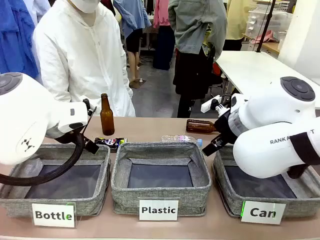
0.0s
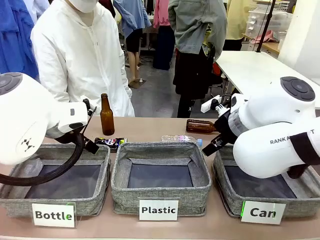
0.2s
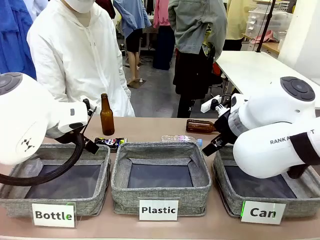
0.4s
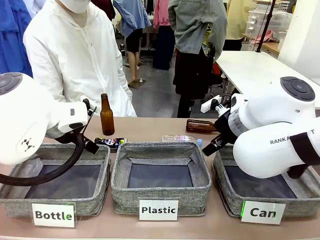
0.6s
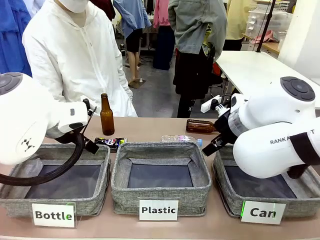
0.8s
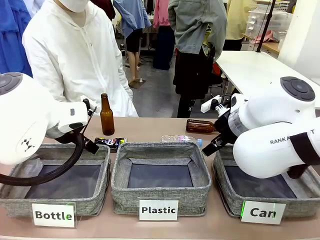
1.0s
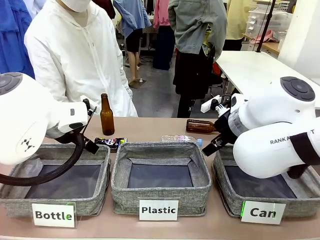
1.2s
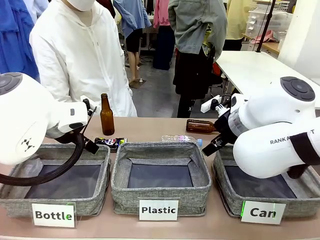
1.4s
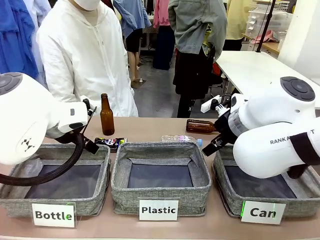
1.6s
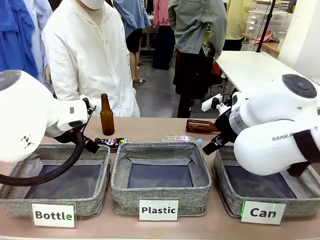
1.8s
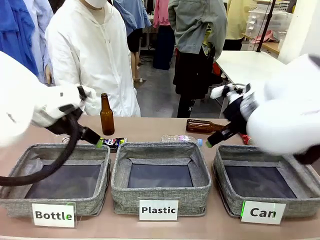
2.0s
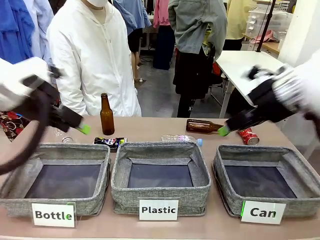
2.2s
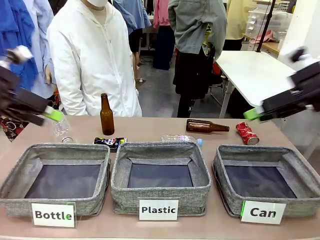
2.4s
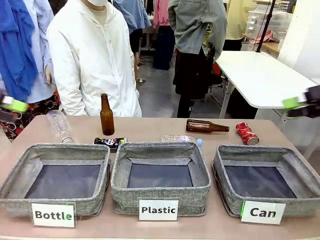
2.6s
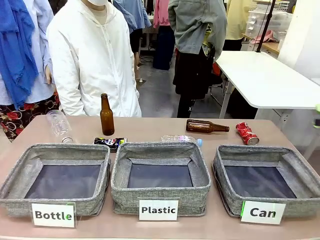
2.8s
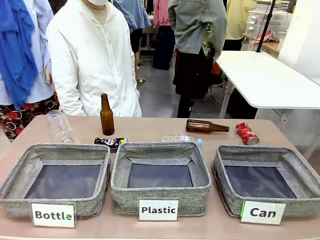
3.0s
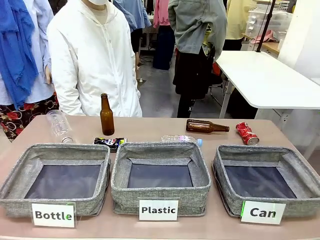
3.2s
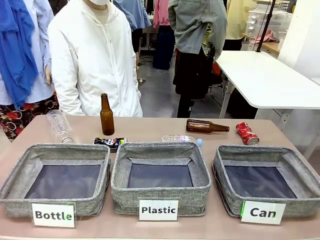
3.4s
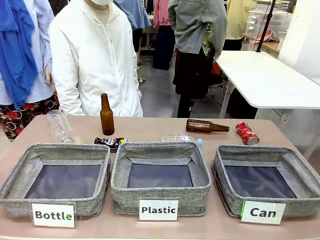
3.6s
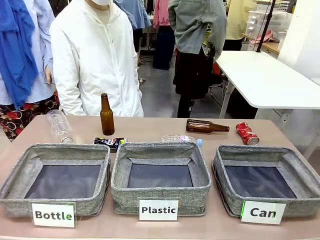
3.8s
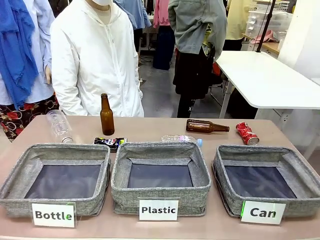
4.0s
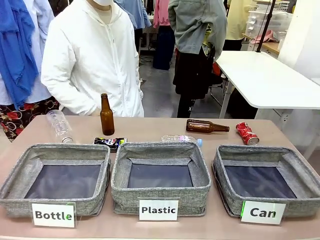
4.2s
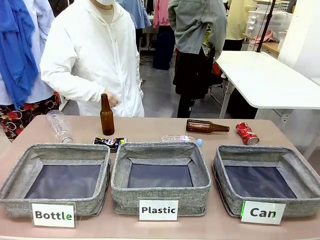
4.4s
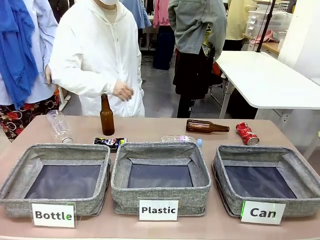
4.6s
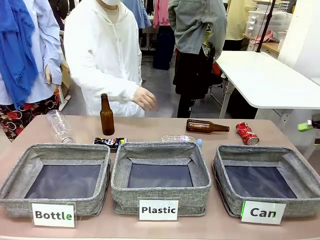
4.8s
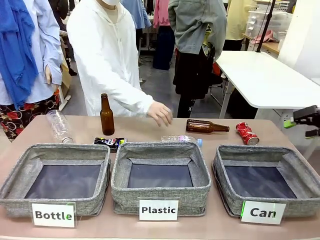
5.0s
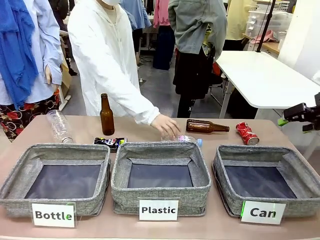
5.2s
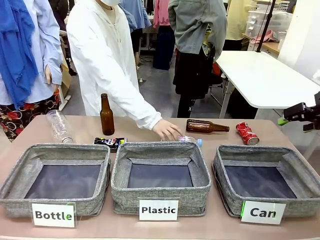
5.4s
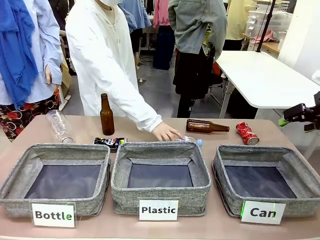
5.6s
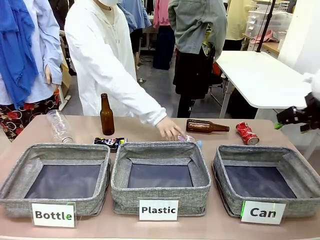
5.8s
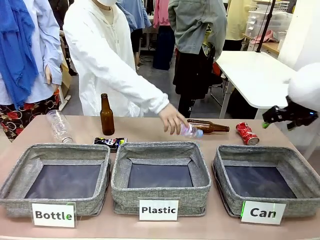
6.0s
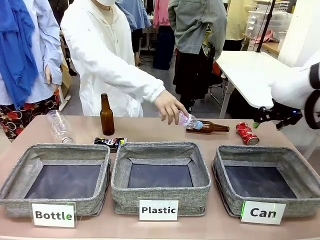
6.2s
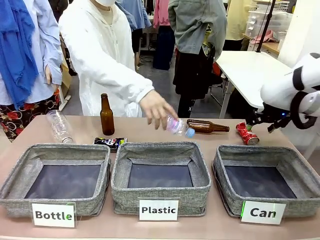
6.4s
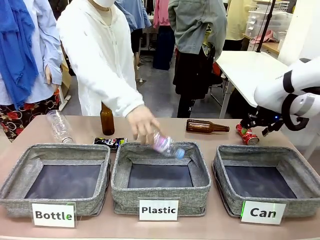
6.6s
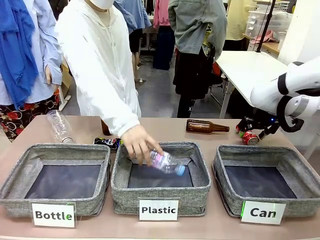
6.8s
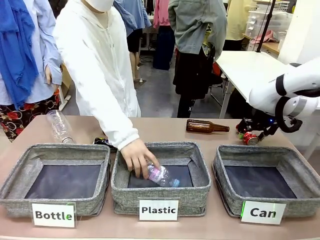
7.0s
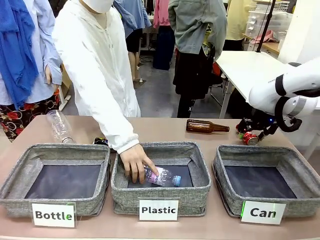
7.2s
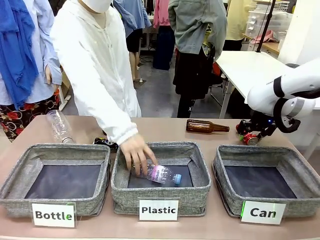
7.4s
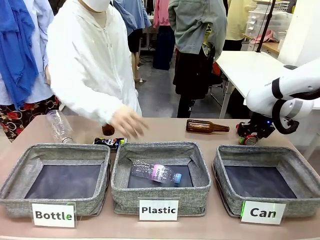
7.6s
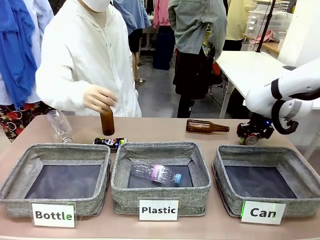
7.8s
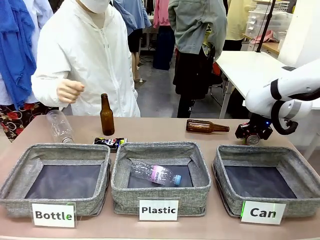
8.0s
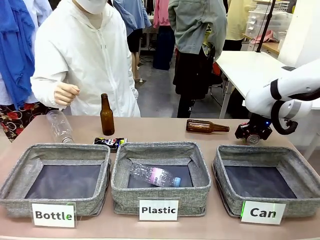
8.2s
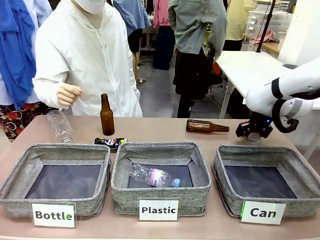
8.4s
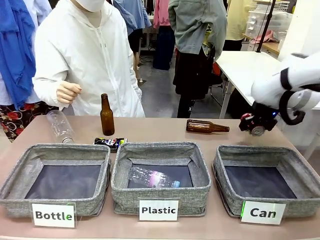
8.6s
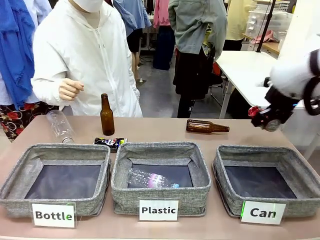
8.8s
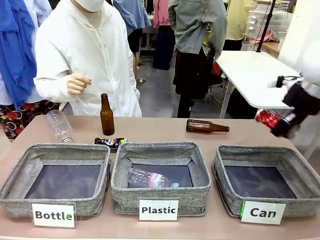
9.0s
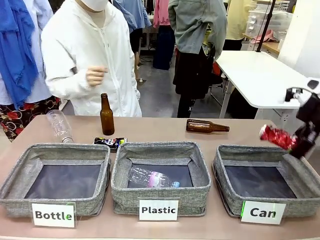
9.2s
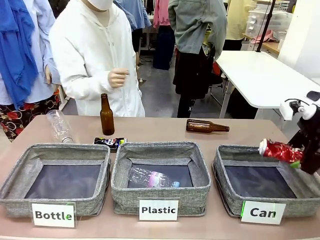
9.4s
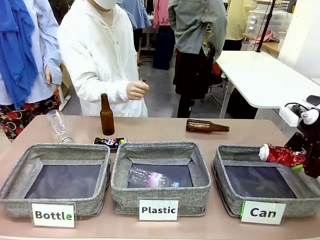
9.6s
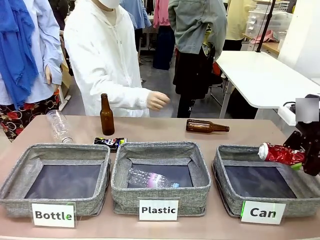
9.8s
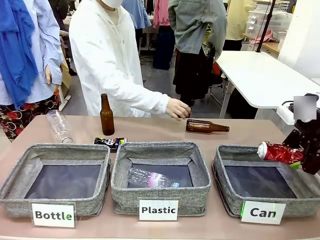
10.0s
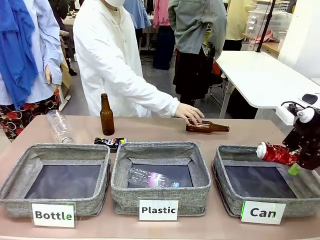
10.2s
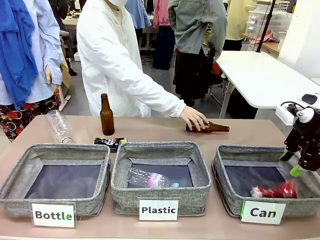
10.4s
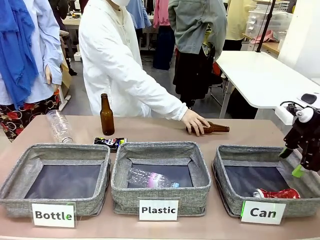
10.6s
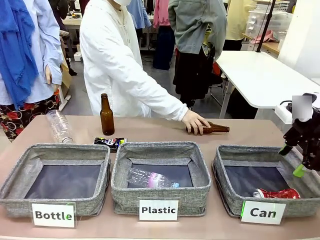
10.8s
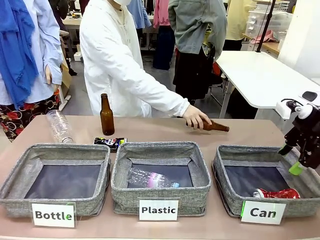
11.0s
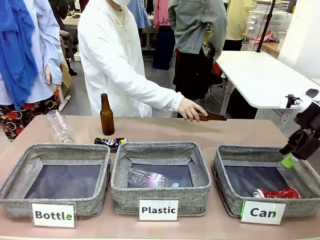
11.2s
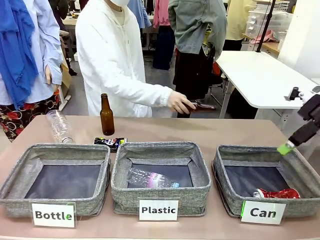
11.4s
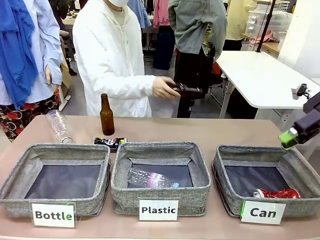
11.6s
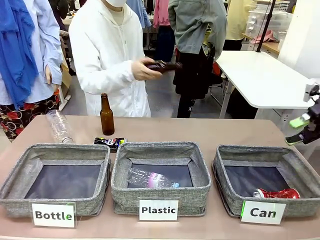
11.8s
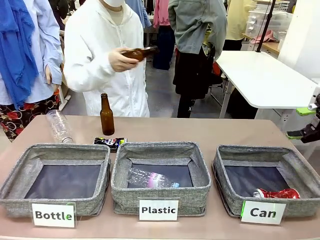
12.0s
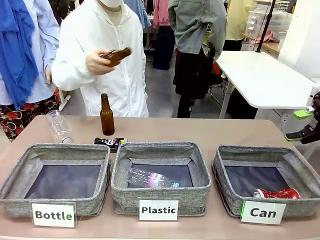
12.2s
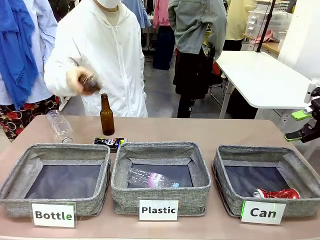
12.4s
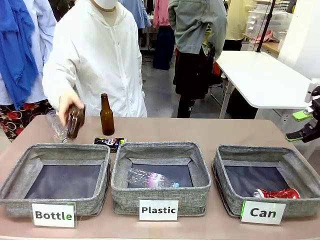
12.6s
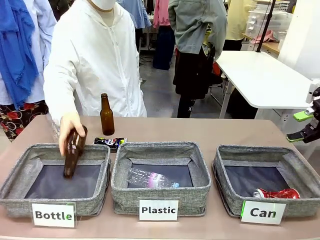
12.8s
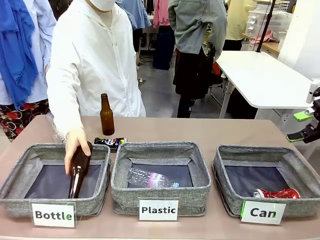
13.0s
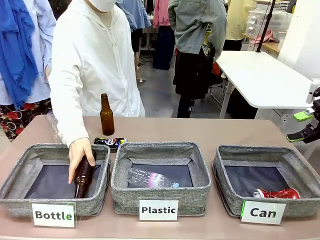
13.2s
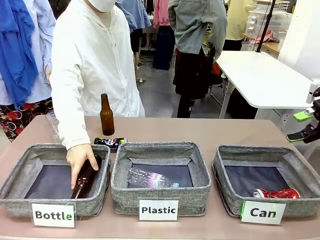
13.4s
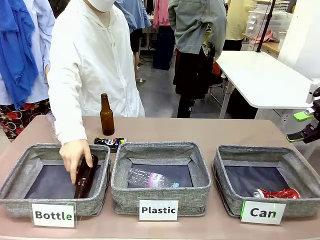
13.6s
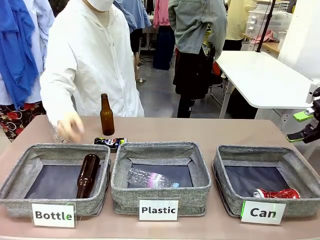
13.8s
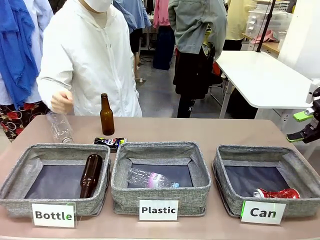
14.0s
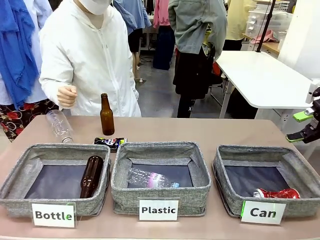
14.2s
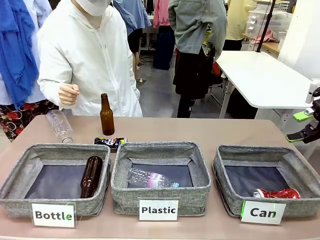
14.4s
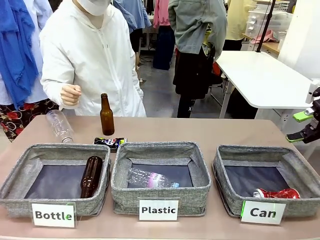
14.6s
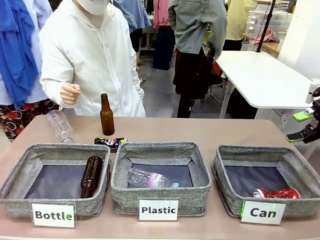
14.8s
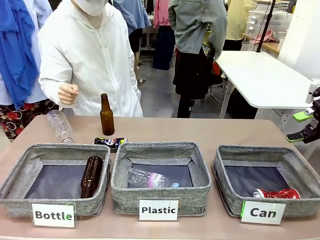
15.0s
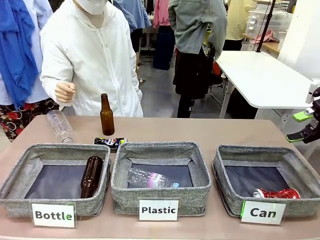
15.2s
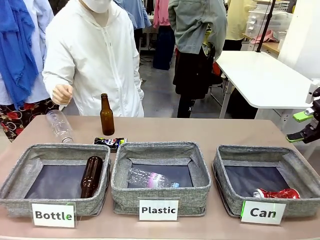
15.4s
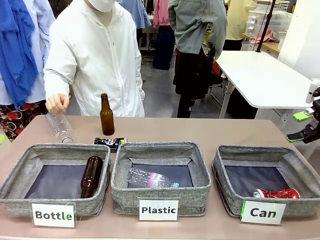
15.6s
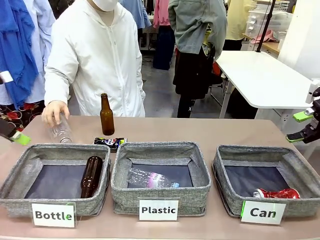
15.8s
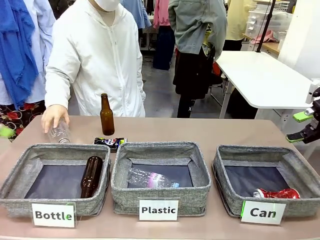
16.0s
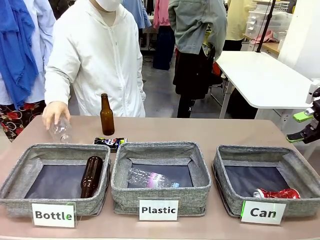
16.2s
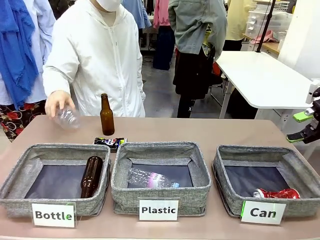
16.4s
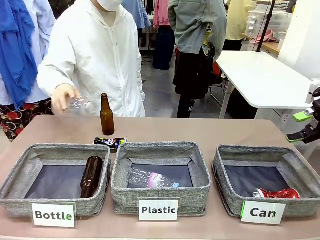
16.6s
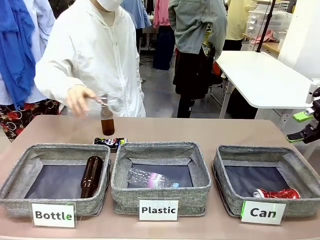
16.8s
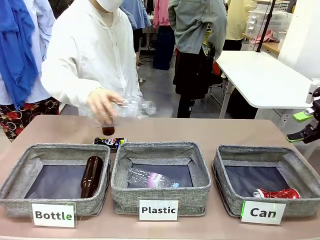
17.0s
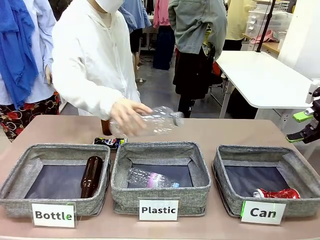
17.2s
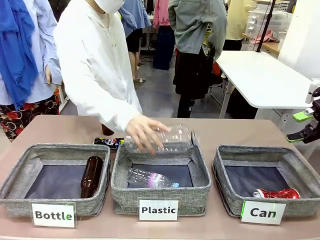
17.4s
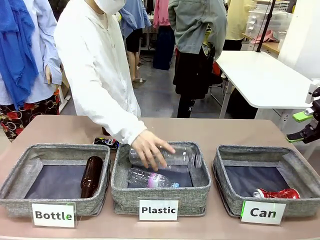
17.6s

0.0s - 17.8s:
Task: Sort the can waste into the basket.
Robot: Pick up the can waste from the table and place it in the right Fabric basket.
